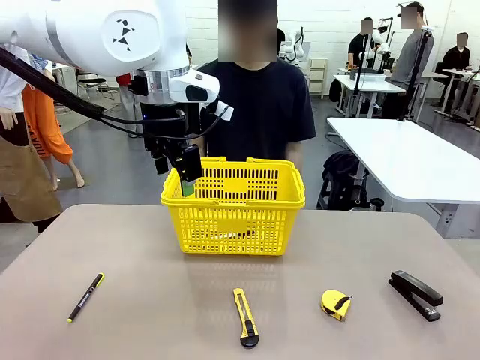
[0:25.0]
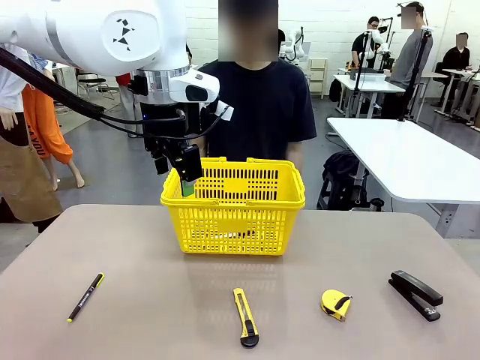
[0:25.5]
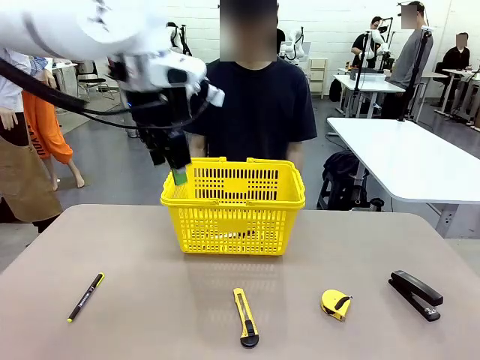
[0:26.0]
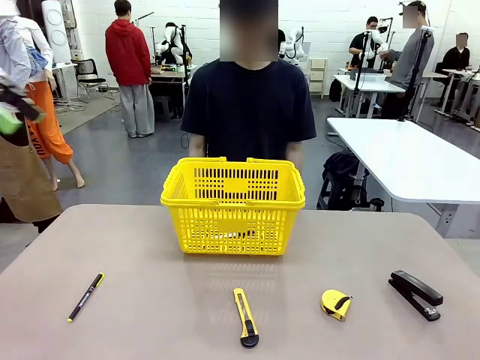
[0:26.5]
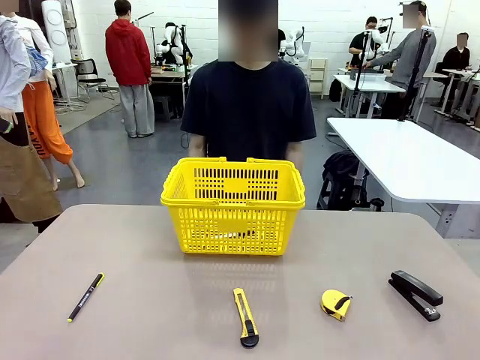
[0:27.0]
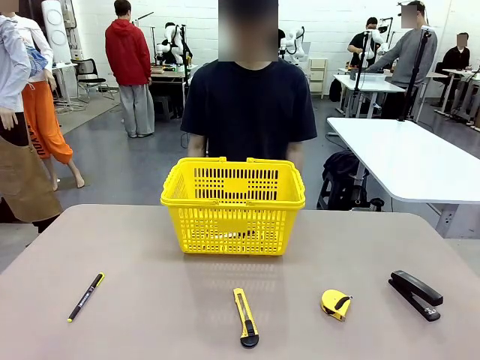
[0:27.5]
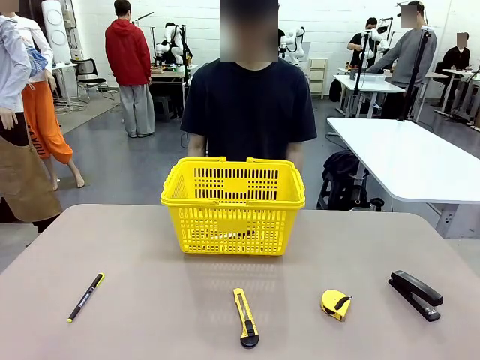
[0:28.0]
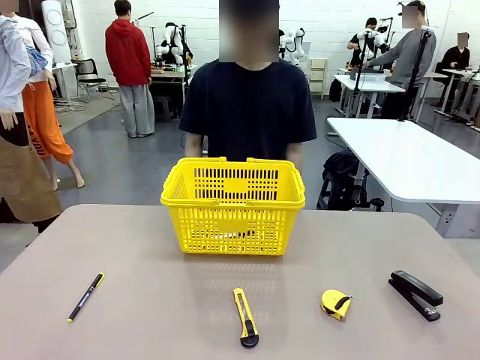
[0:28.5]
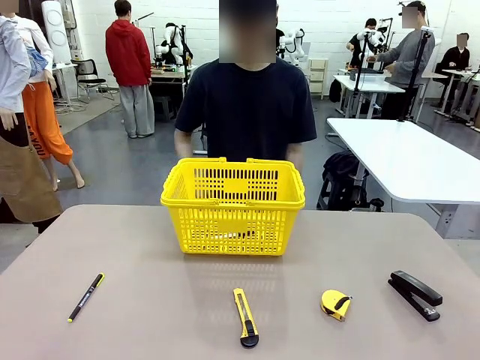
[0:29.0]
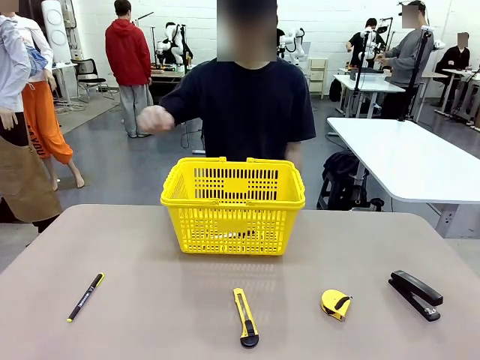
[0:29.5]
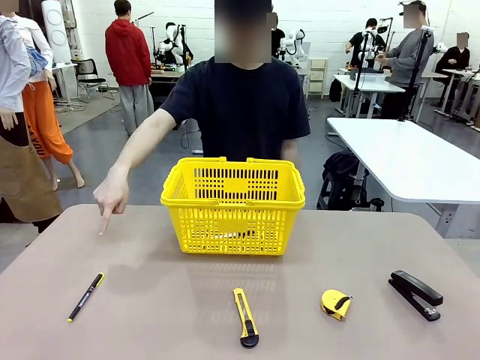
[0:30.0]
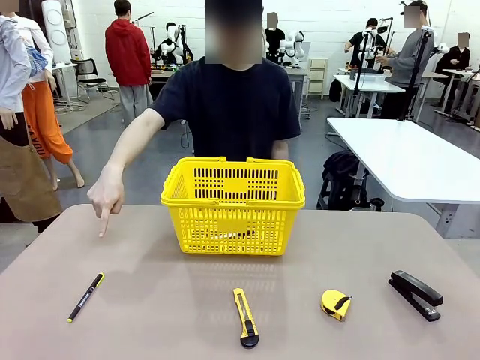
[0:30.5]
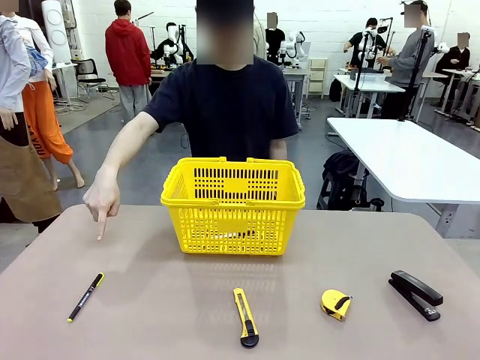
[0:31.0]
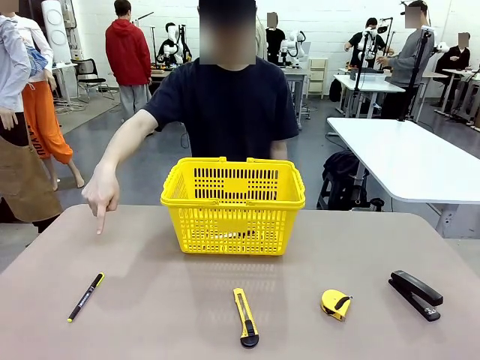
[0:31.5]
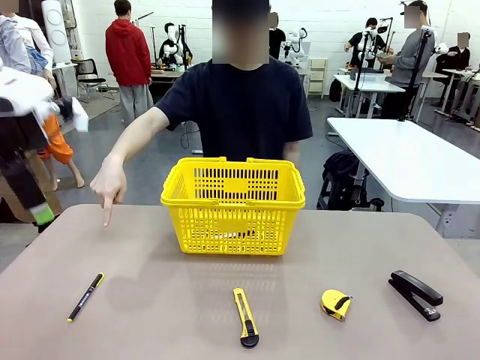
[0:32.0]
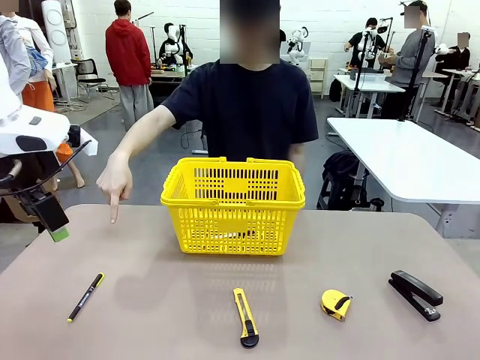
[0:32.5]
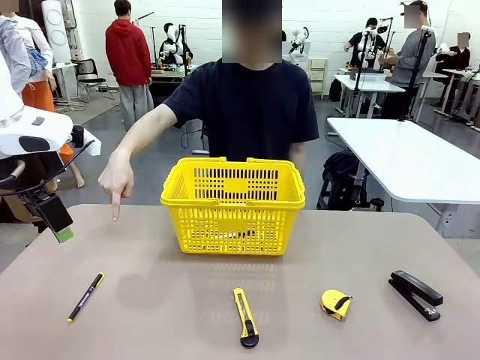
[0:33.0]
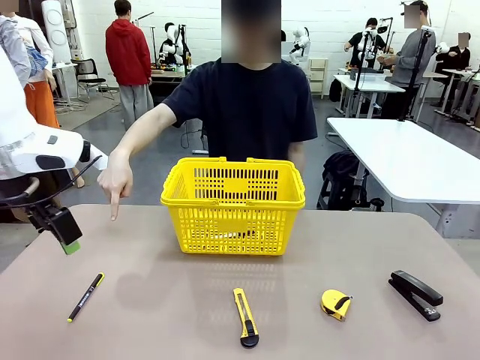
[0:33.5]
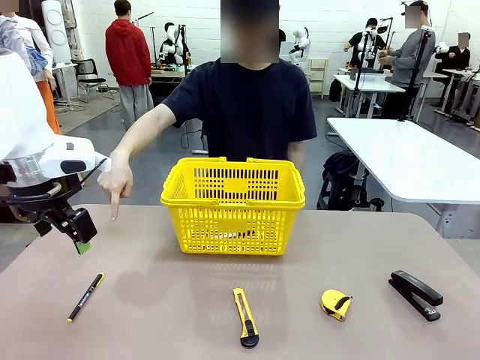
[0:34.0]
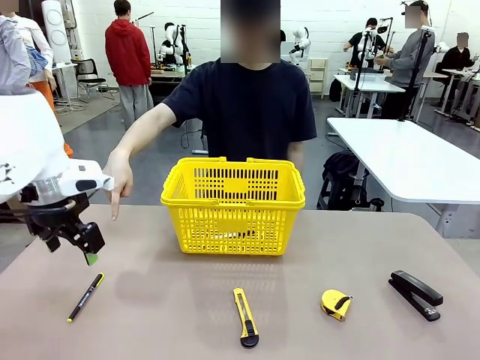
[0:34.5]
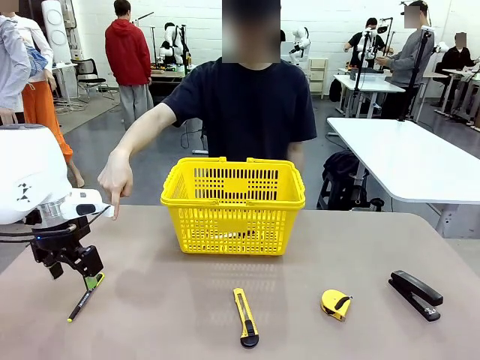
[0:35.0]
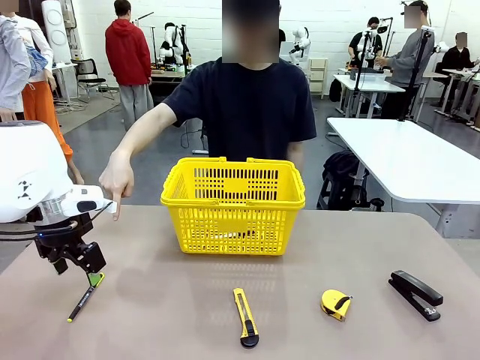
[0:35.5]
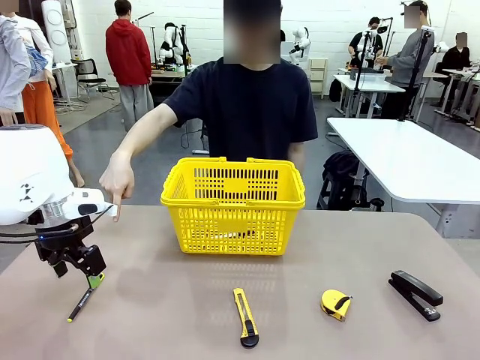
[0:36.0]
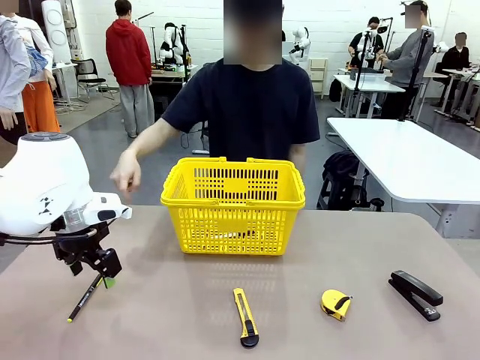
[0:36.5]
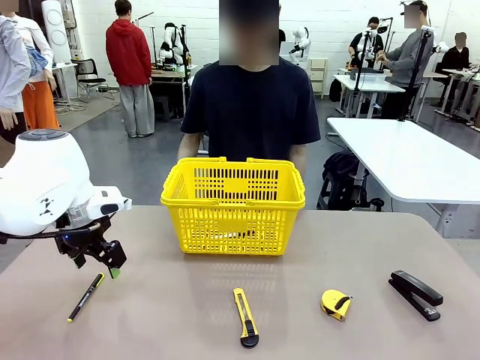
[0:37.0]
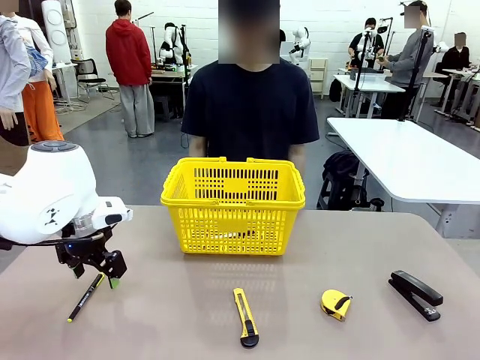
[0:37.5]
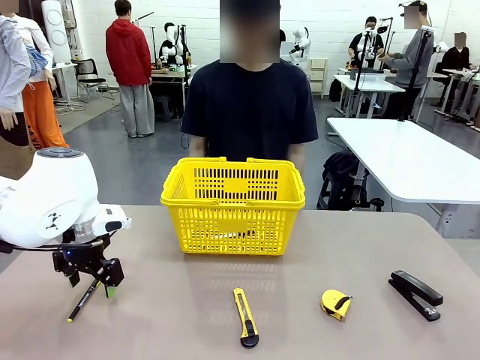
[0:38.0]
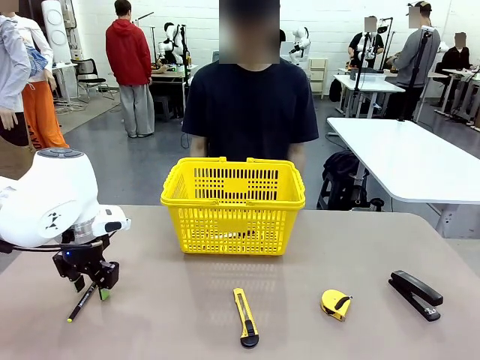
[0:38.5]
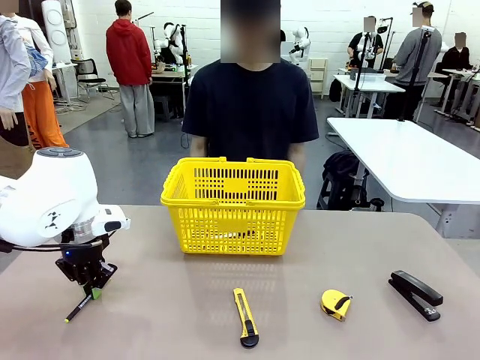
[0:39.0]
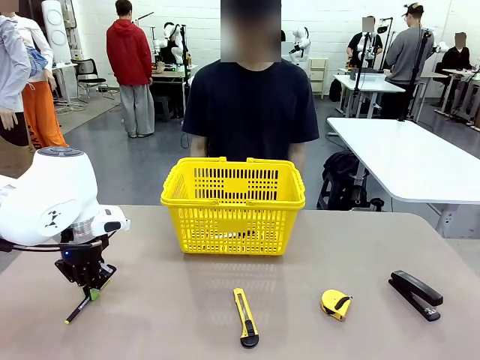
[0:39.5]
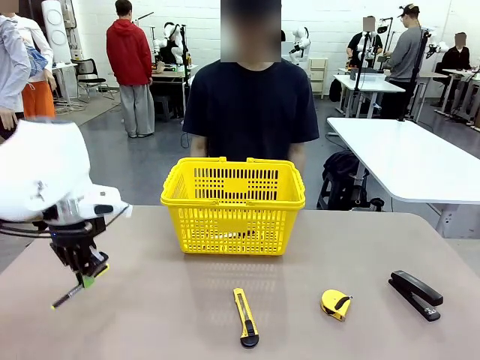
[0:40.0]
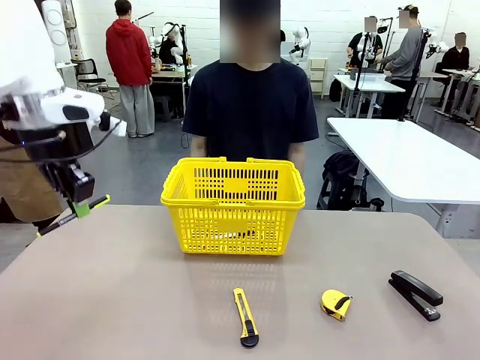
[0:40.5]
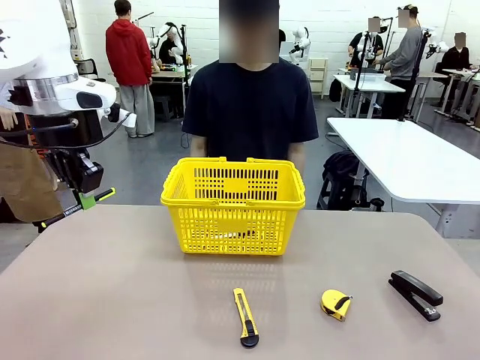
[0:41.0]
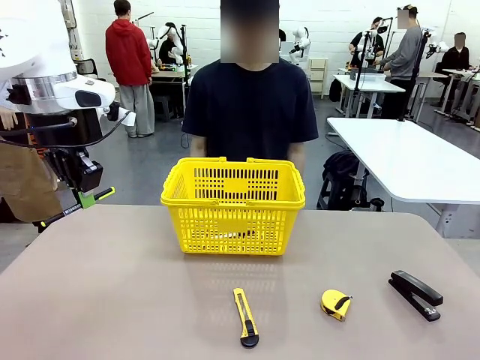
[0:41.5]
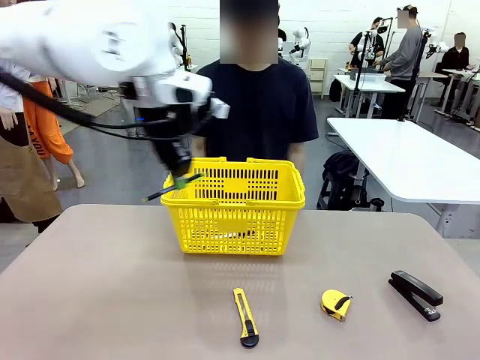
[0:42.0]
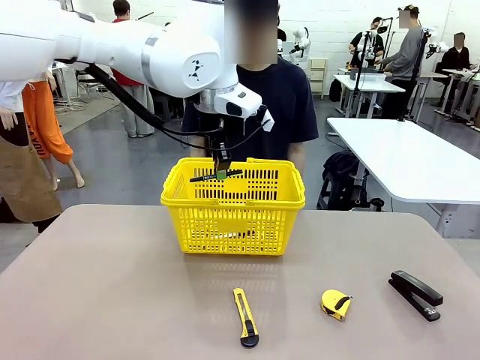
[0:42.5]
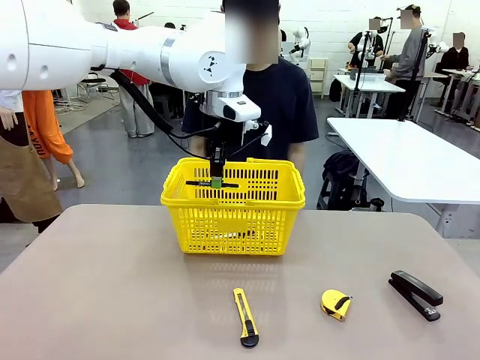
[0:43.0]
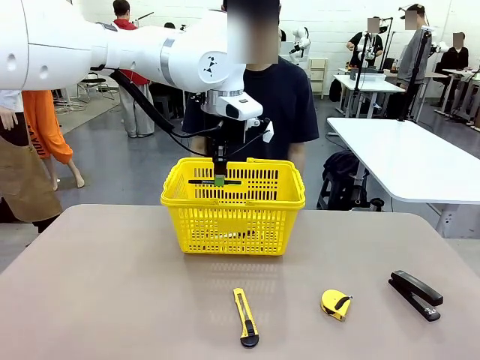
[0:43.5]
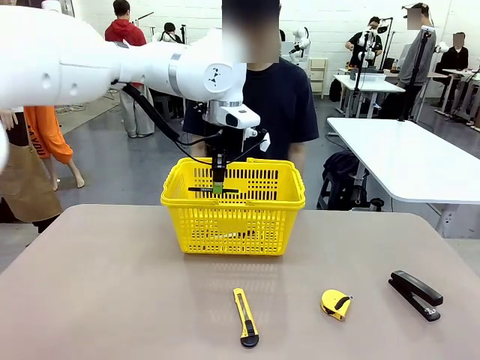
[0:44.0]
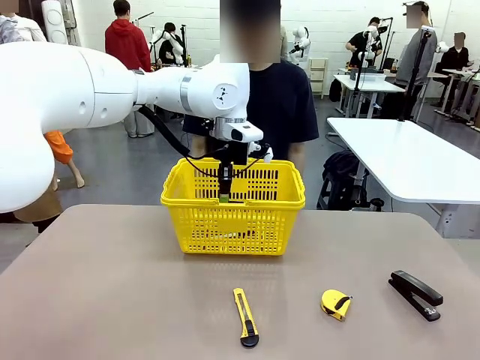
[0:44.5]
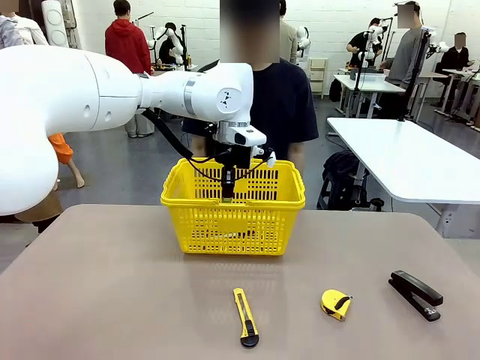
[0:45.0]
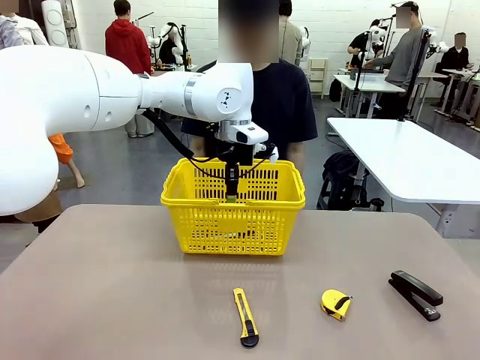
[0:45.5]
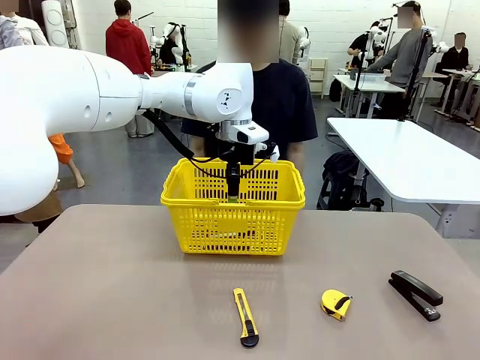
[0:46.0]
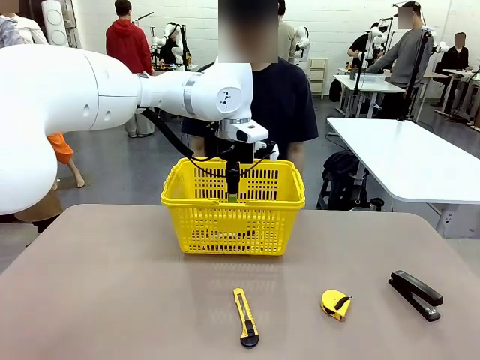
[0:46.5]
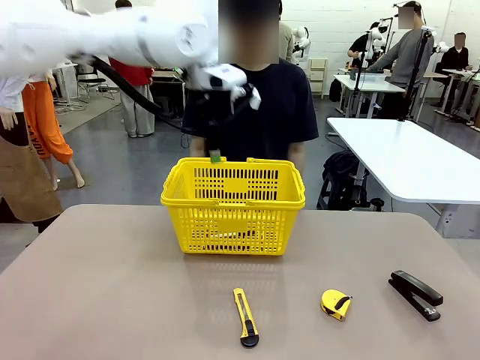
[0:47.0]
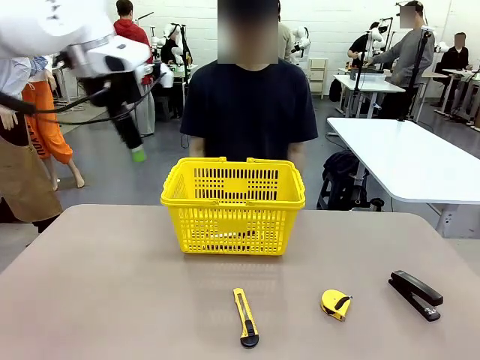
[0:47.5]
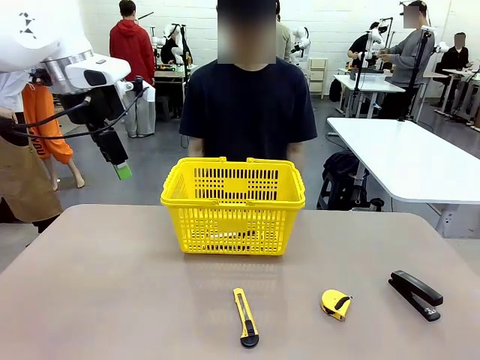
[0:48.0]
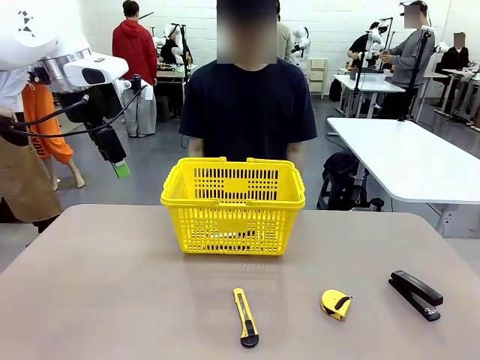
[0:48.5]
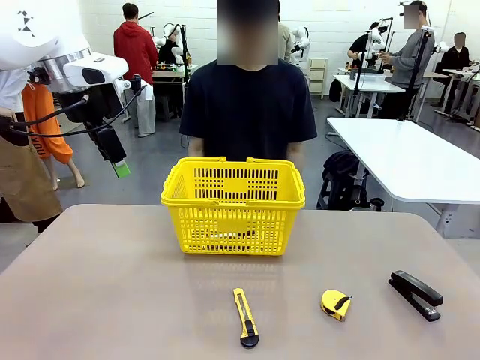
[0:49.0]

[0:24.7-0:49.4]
Task: Place the items the person wants into the basket.
Robot: Pick up the item the person points to and place it in the Market Basket.
